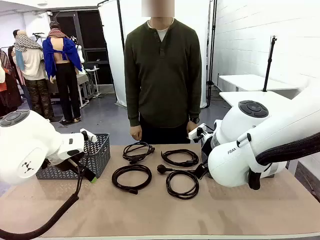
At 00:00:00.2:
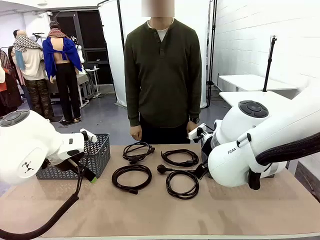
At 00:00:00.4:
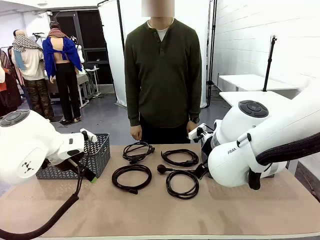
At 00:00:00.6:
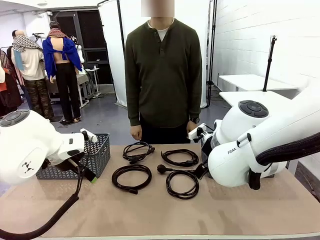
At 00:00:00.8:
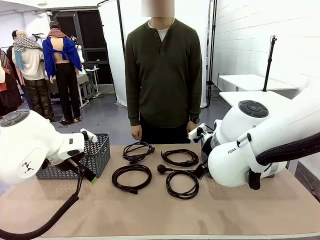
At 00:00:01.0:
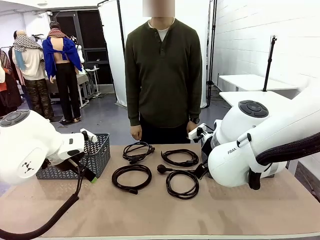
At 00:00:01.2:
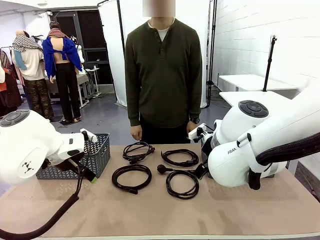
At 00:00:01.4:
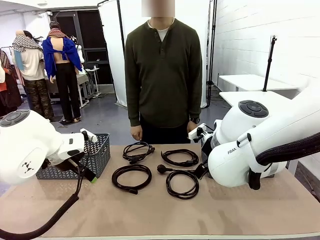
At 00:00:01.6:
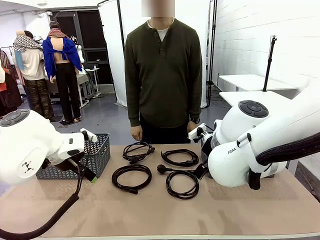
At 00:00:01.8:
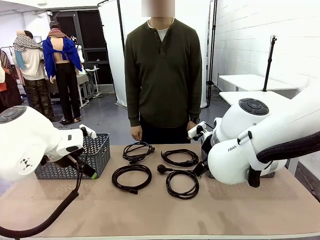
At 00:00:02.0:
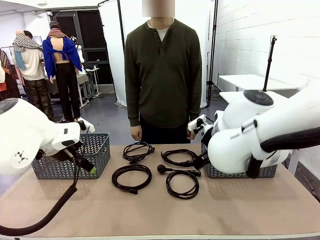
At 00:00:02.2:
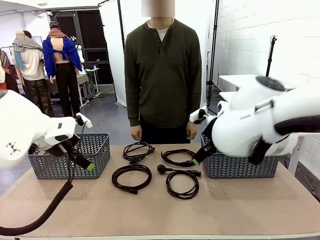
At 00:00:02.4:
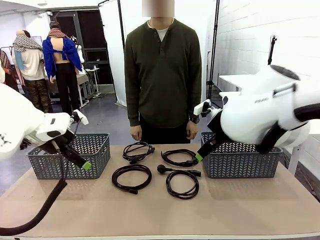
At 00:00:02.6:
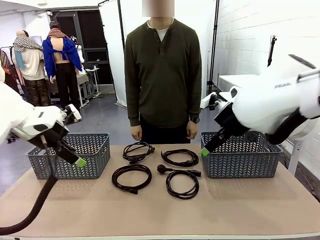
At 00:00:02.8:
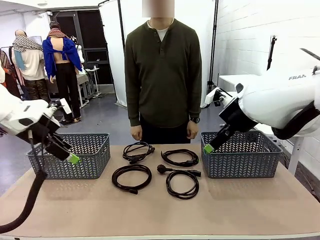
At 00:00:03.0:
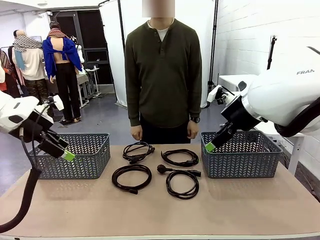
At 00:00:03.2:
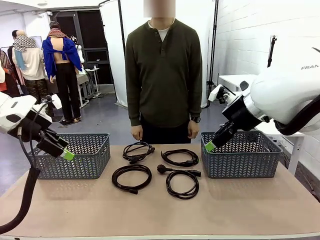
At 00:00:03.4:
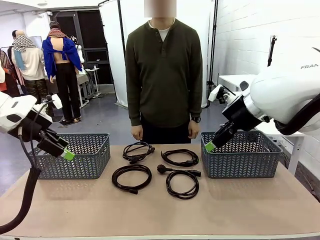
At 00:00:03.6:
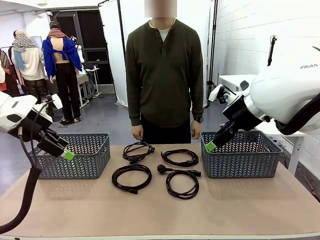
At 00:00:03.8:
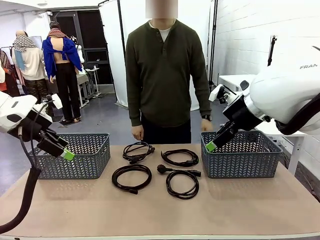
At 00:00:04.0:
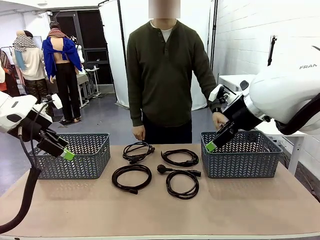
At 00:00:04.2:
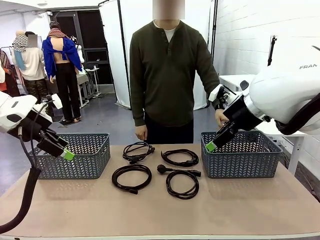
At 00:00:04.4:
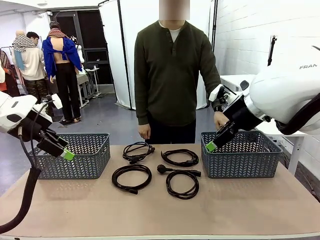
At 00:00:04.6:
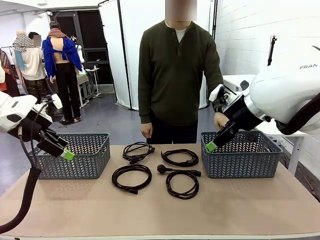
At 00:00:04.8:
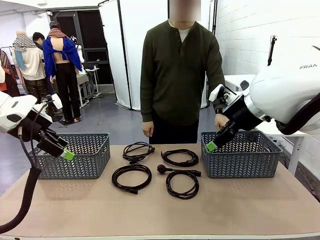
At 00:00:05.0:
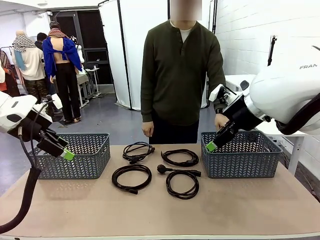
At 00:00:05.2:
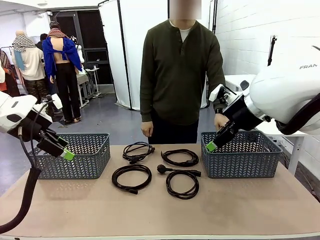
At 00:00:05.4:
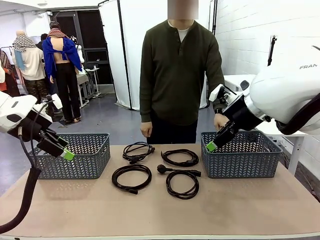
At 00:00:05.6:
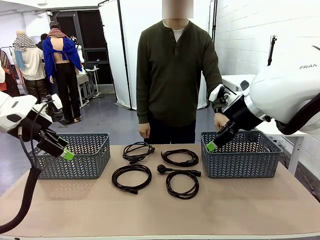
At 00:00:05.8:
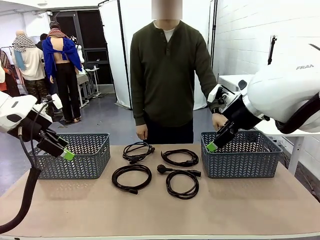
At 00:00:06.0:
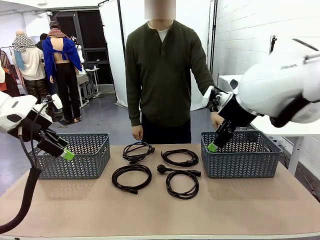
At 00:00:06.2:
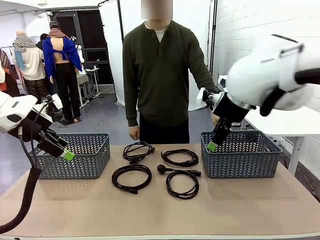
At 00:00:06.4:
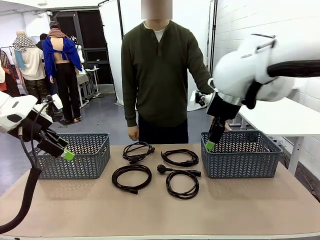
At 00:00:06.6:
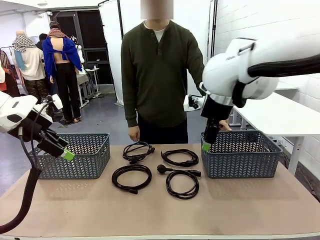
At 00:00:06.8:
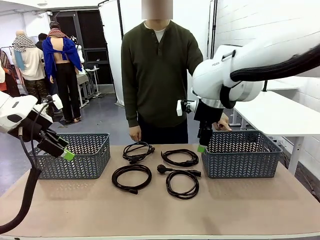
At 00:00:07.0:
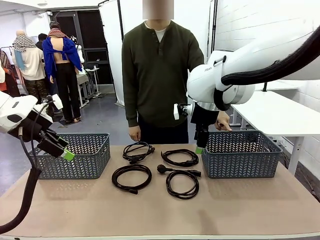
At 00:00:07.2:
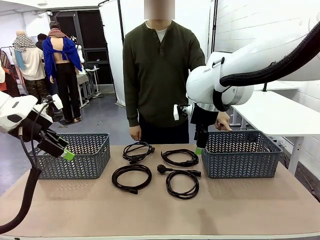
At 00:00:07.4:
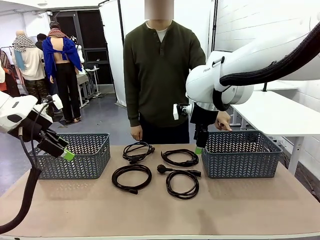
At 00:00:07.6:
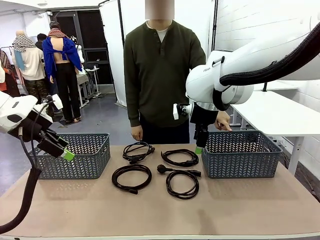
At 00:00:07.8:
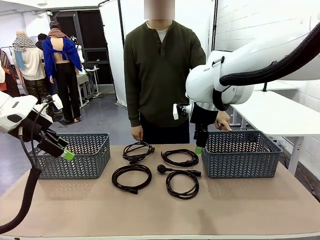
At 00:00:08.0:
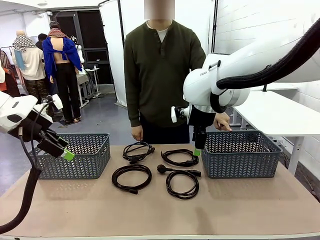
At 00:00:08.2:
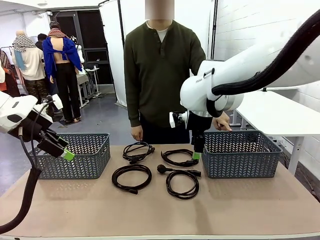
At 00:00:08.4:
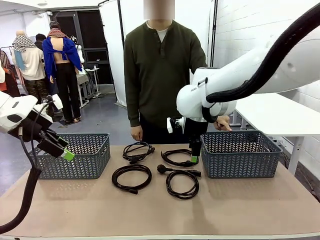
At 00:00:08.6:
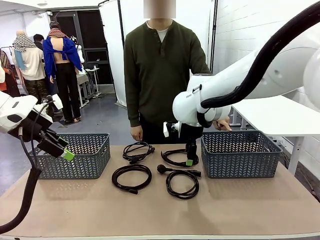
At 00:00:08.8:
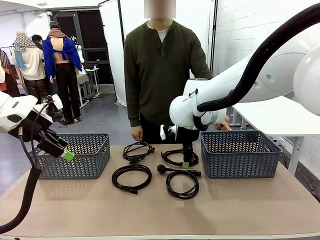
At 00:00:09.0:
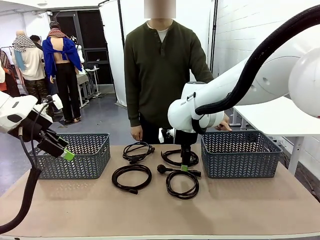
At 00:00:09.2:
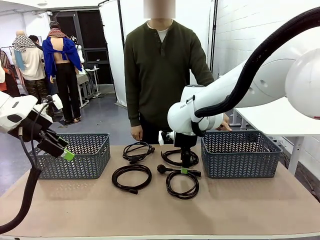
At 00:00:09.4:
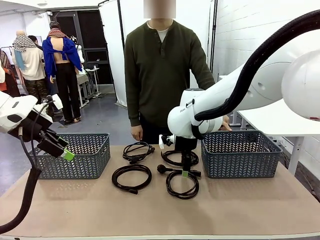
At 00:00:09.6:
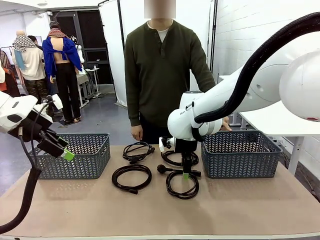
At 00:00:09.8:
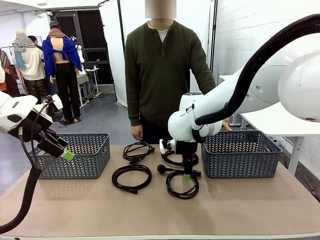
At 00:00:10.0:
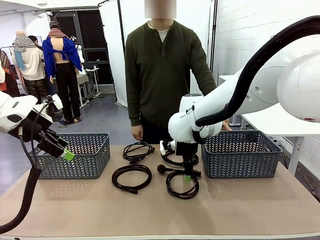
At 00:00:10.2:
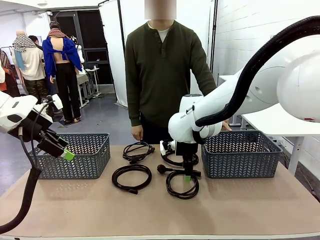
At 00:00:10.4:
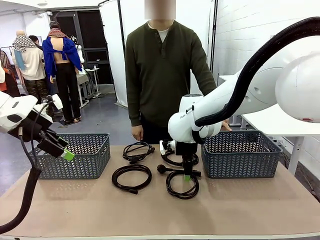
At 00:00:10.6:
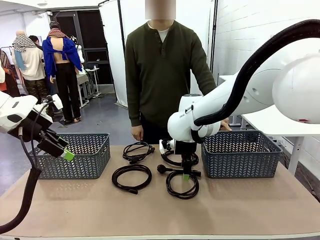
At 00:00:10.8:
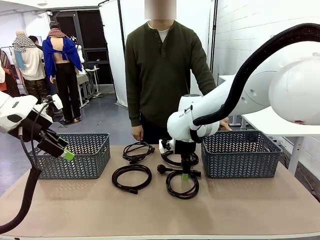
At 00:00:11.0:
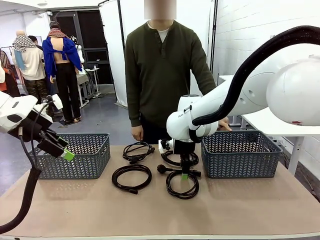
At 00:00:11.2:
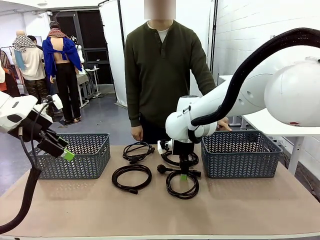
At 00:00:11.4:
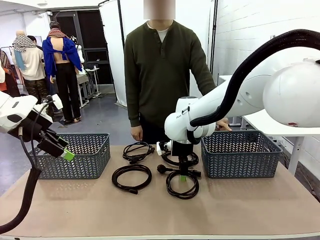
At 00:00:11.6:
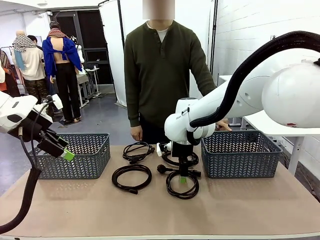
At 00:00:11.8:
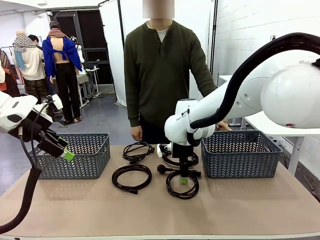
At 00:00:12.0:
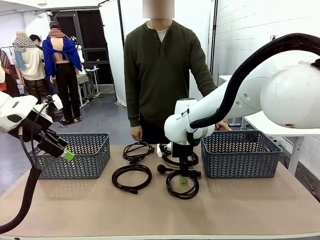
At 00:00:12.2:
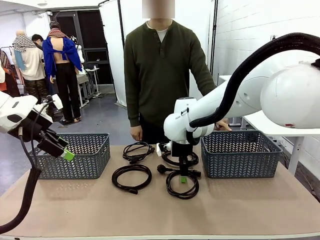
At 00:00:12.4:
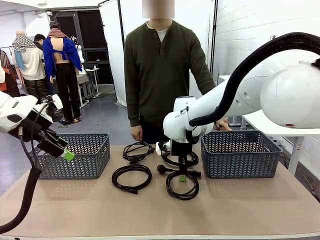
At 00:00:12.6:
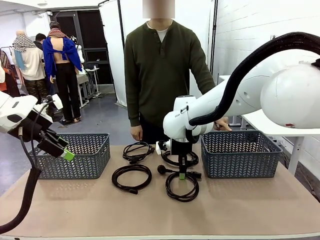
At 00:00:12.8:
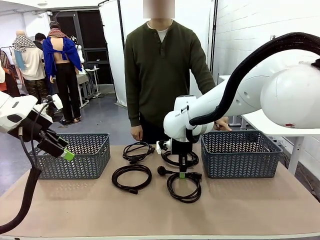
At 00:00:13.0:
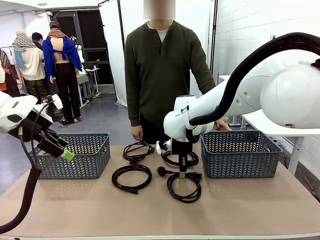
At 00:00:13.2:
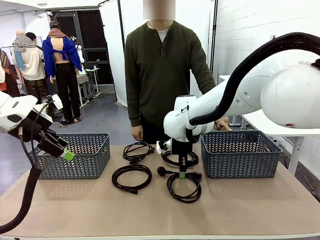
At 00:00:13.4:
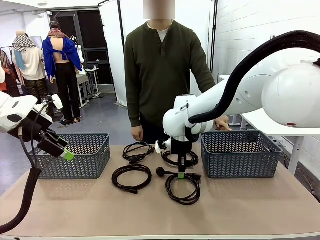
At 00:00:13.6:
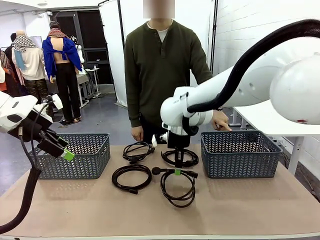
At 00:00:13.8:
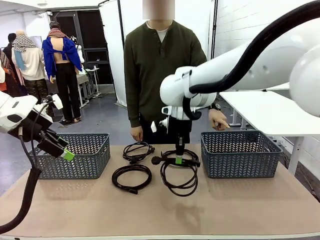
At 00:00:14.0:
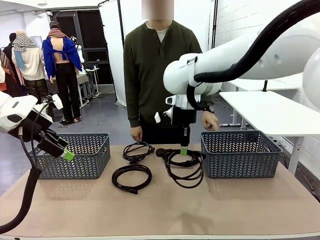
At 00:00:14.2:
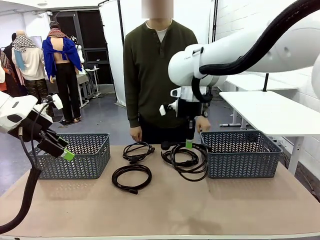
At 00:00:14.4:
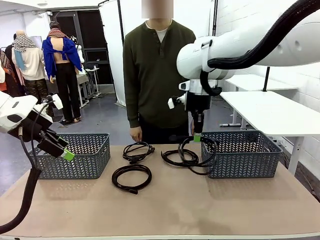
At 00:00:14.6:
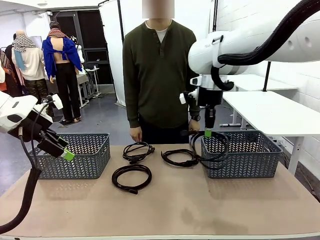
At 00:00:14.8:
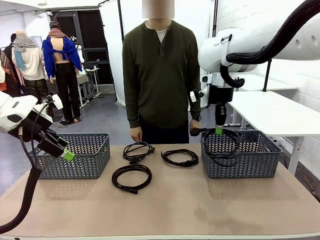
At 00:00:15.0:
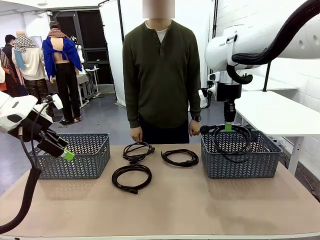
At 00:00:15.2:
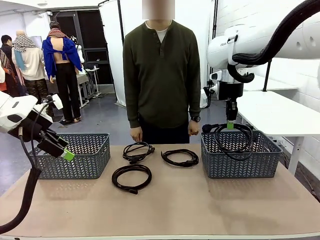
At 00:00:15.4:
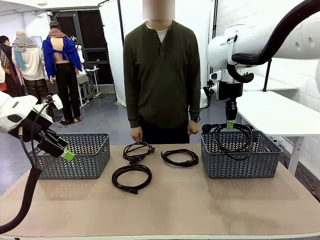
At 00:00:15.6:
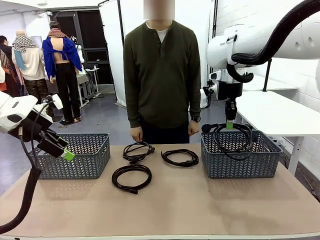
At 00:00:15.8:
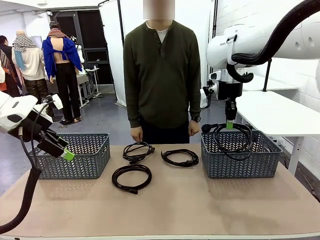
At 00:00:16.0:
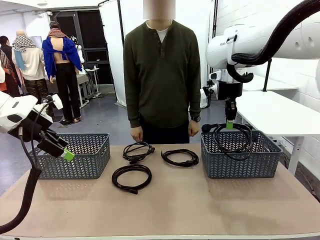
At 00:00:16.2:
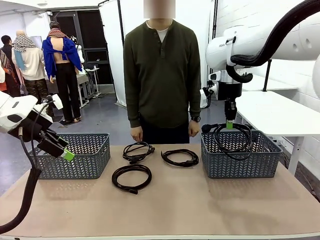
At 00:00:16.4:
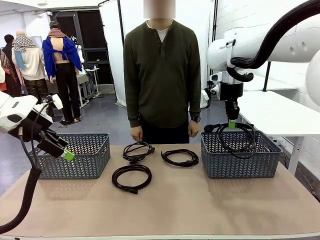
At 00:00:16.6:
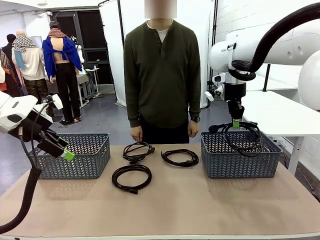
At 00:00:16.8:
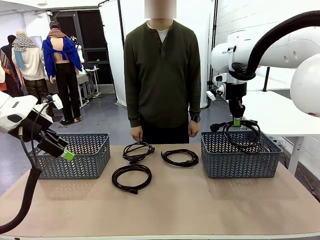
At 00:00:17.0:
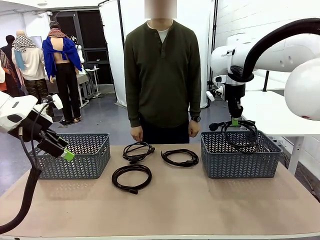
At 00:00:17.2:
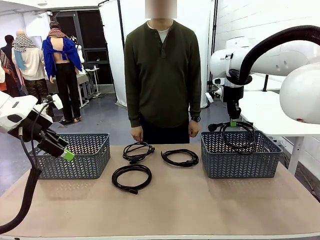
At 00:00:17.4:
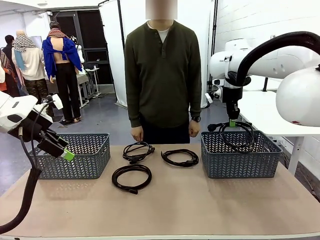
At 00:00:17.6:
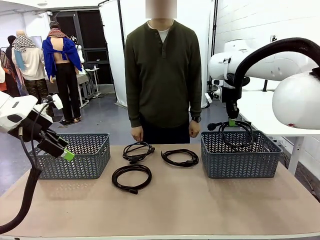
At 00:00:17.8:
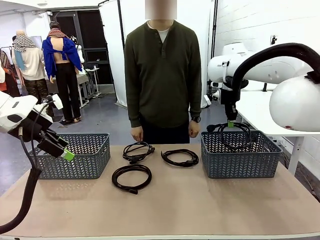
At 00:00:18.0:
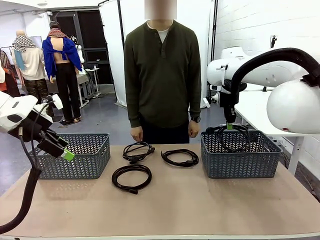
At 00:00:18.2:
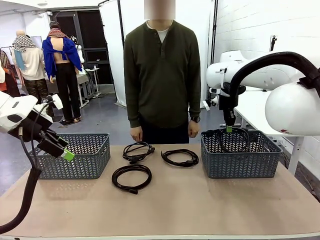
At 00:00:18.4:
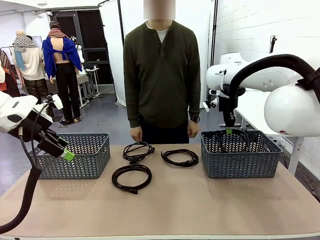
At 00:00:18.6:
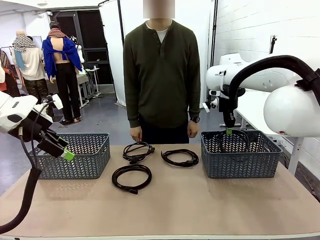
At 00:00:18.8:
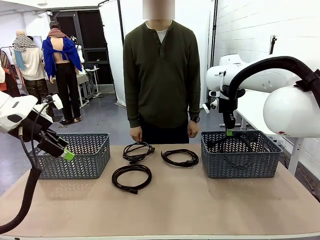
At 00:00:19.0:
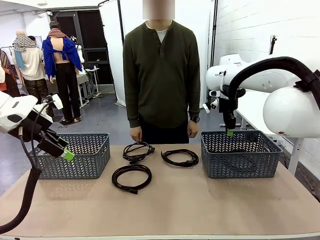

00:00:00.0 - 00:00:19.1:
Task: Organize the cables according to human instructions.
Robot: Pick up a bundle of cables and place it in the basket indicated by the human.
